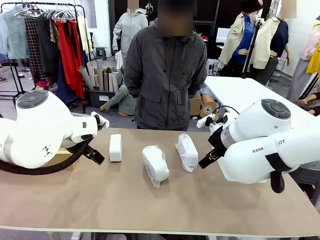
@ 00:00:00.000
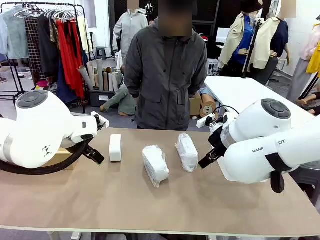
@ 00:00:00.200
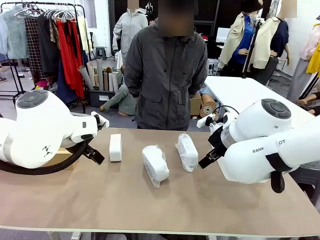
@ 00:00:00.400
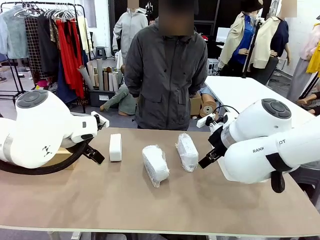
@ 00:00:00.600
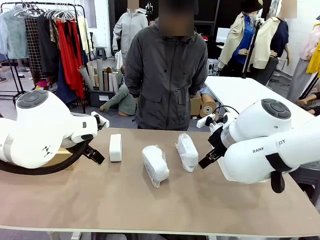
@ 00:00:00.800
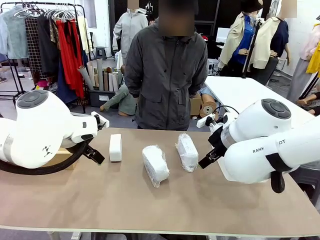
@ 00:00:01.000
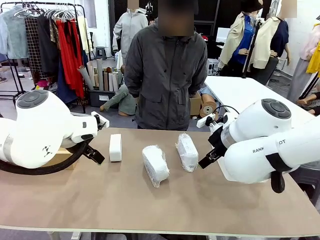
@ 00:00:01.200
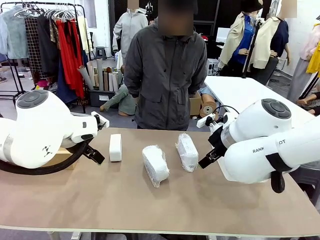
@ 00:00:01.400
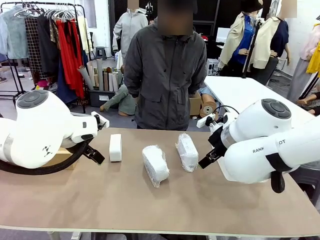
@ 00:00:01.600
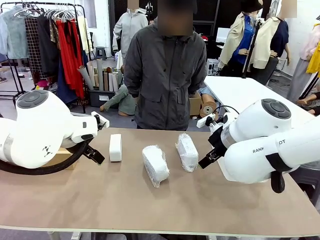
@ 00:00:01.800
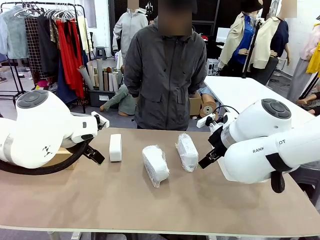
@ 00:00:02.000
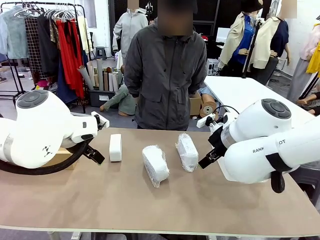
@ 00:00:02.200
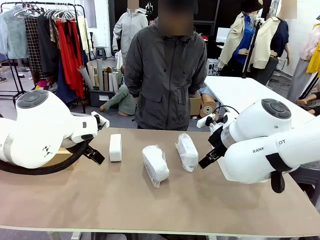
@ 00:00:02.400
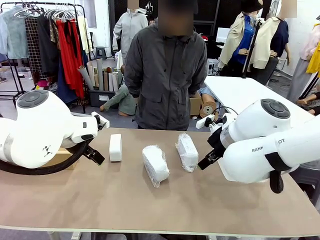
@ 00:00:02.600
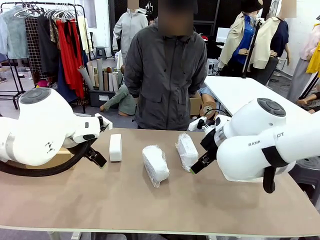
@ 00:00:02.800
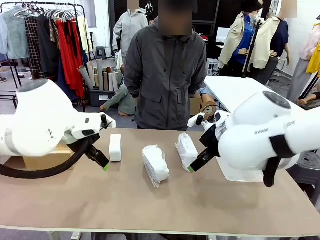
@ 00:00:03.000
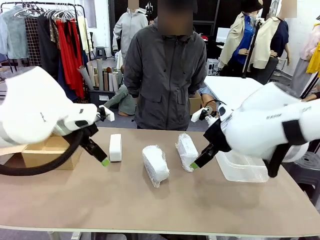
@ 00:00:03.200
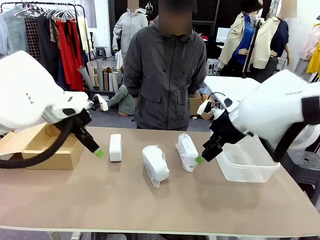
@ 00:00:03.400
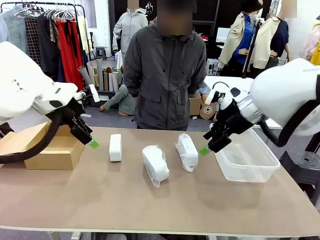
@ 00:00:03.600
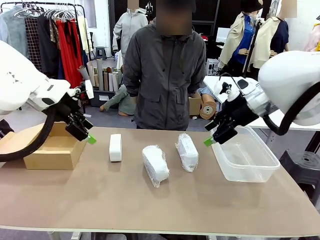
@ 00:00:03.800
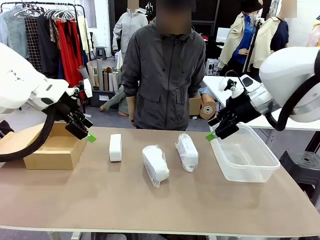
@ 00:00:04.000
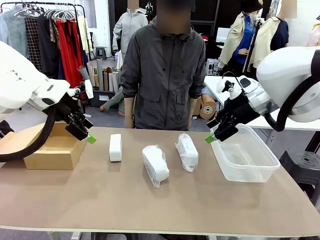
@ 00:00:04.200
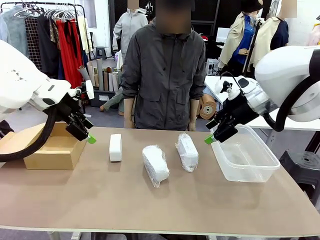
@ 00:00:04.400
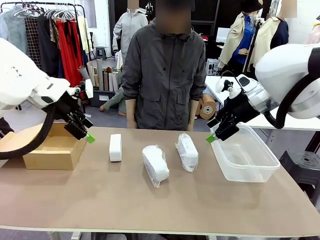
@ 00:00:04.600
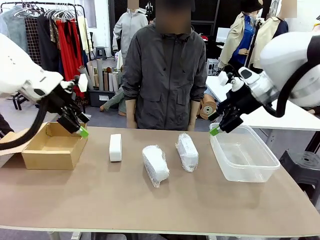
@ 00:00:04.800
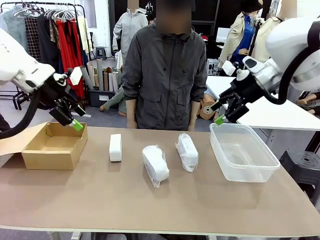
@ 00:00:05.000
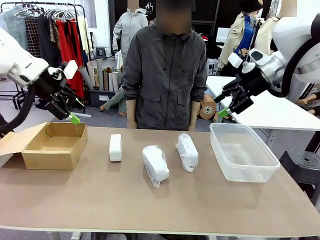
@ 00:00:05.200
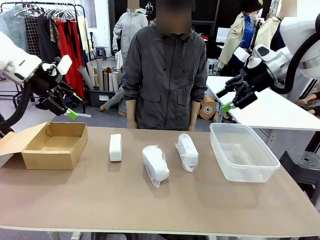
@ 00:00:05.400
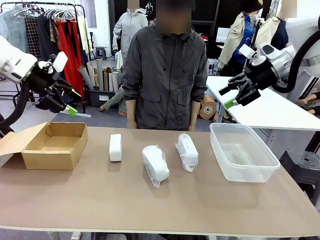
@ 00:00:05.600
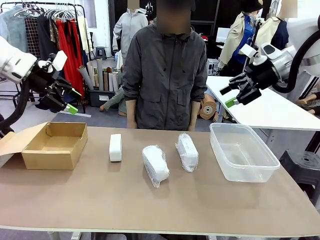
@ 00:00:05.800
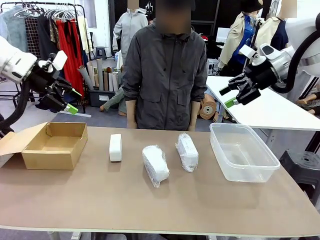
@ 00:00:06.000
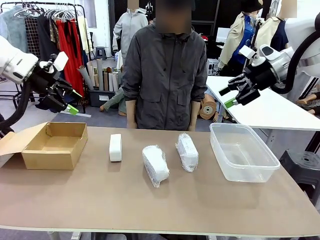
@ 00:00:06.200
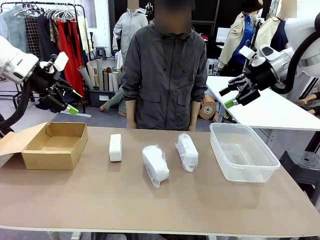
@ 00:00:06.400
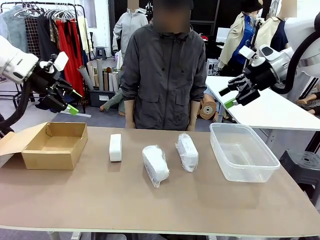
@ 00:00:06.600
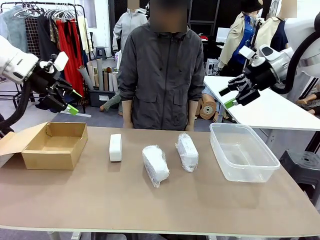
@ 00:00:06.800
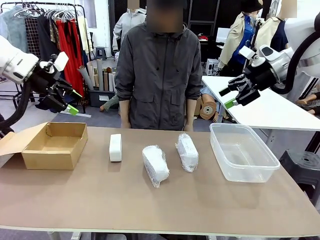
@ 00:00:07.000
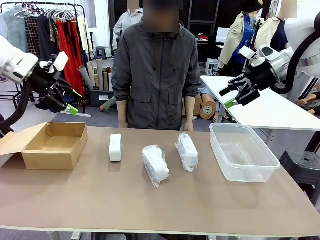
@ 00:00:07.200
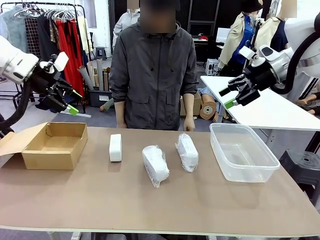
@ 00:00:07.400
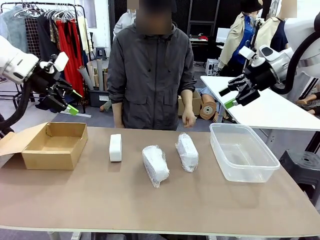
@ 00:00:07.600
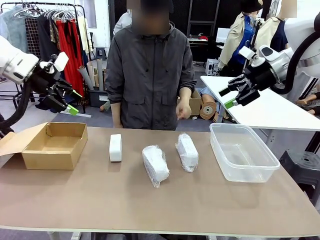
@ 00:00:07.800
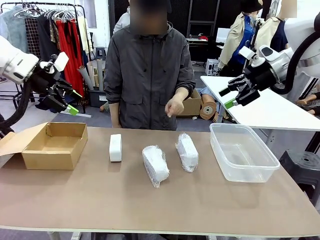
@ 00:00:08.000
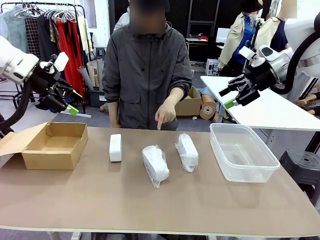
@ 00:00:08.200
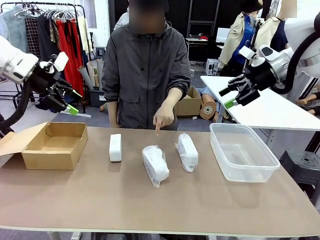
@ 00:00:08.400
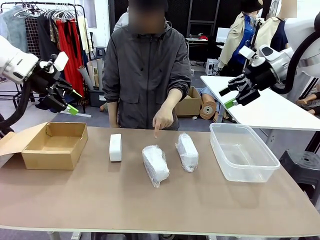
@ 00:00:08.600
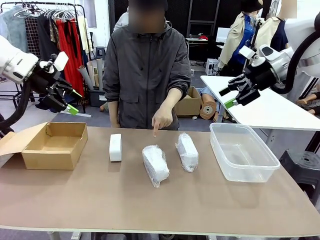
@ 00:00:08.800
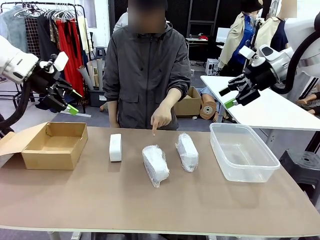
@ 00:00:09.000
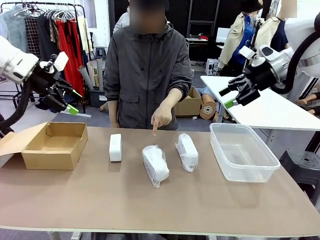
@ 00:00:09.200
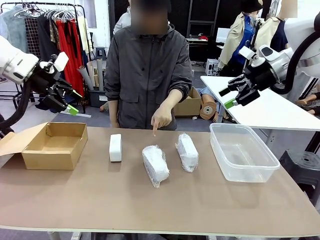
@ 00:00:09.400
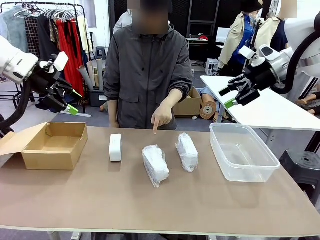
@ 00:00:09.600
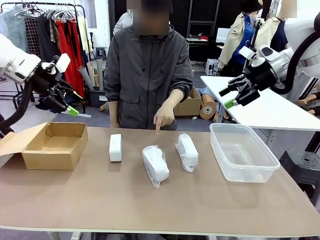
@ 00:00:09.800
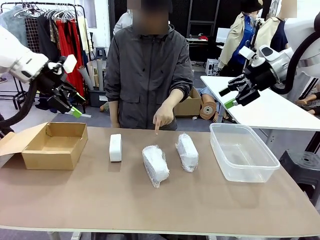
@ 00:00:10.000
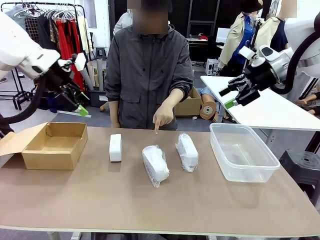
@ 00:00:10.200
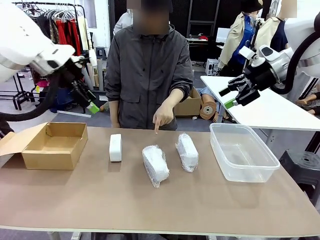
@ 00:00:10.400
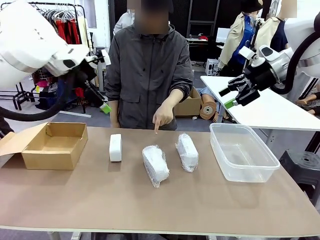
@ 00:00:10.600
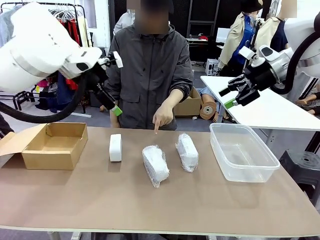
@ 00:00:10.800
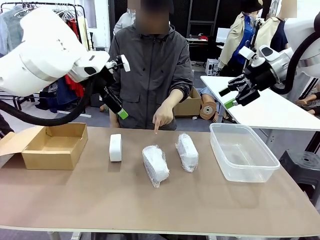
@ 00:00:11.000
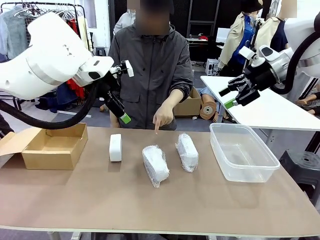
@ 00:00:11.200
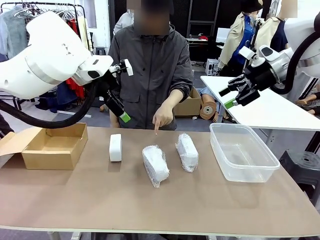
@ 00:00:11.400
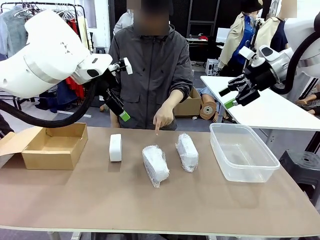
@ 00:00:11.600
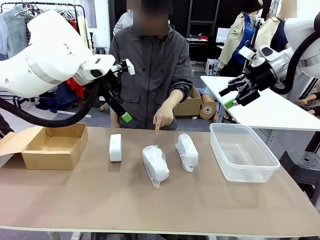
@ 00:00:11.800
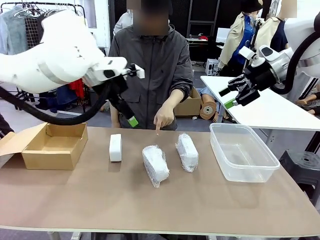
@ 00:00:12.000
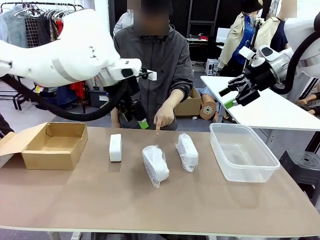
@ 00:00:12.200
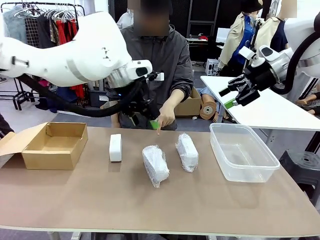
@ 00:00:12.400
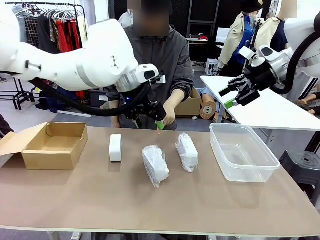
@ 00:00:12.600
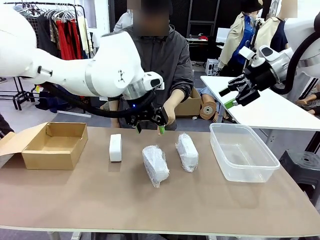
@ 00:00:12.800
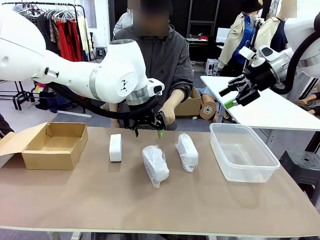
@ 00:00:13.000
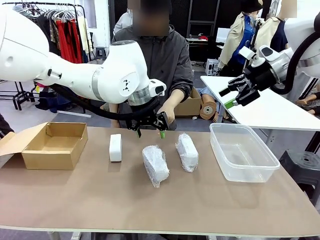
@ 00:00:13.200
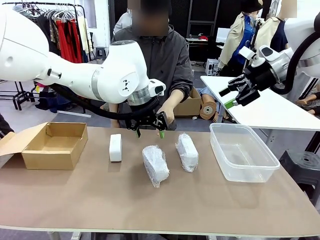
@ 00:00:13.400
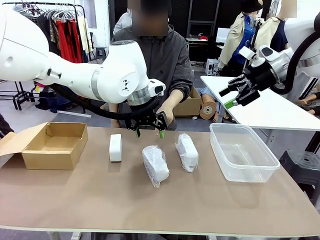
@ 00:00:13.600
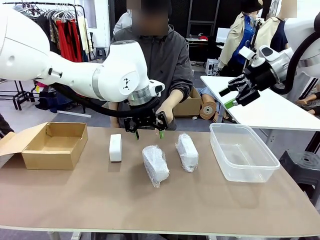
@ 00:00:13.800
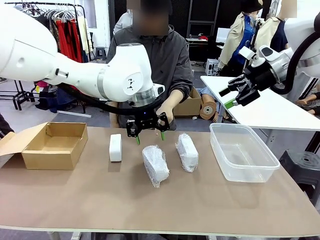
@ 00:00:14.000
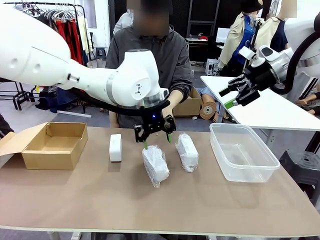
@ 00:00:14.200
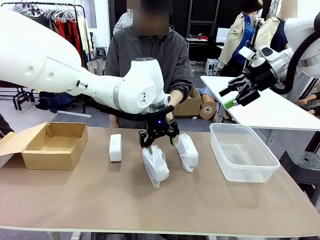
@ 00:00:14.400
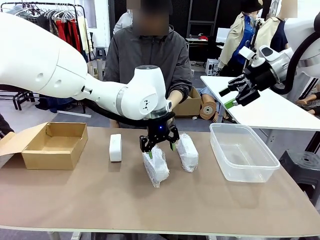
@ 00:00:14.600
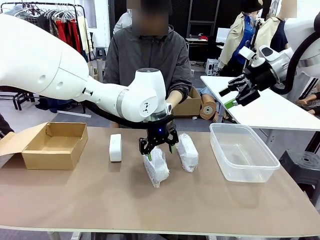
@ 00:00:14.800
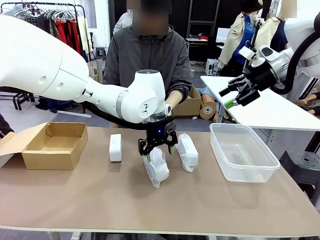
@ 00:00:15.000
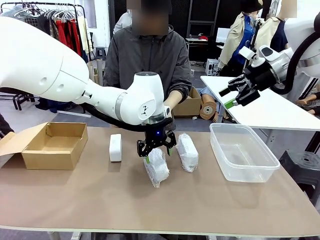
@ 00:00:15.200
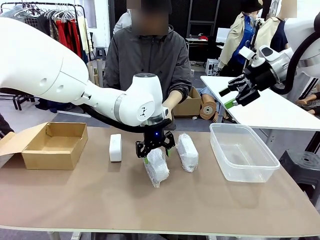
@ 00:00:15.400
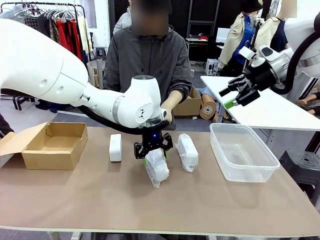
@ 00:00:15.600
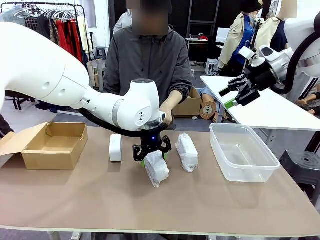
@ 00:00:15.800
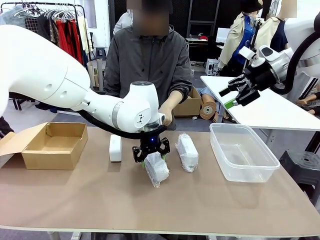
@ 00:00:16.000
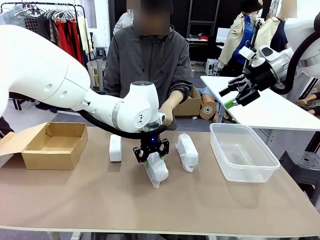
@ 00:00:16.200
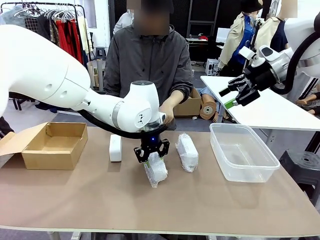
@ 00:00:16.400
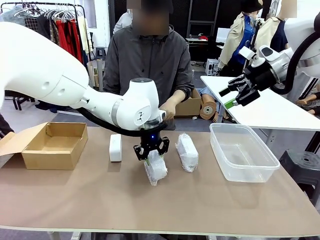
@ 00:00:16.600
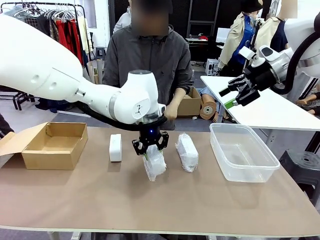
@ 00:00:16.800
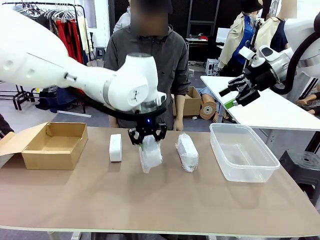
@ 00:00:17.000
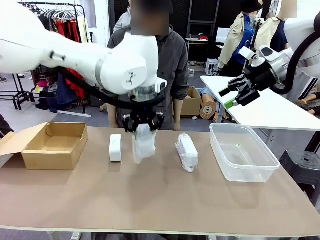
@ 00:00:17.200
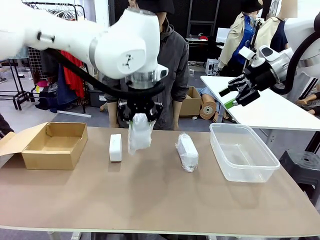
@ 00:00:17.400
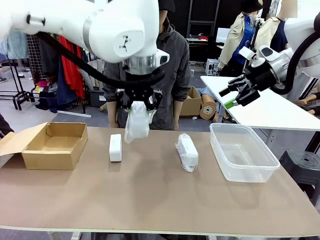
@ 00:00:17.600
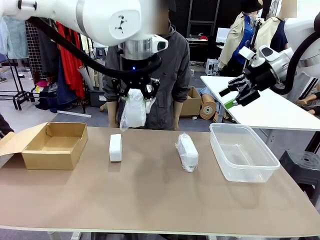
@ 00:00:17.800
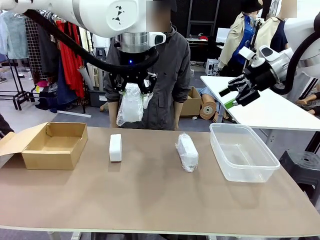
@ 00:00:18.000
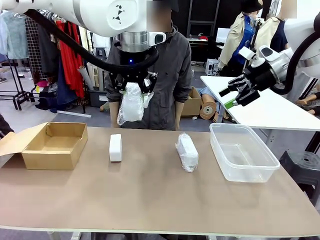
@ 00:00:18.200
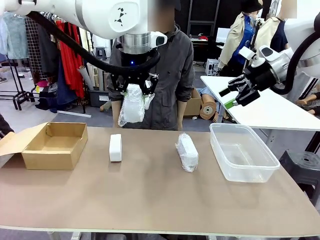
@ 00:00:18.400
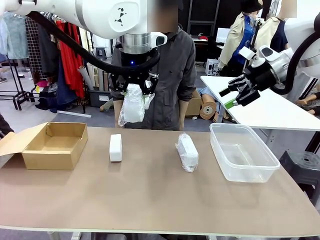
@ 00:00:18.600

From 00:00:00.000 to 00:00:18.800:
Task: Separate and place wrapped and unwrapped clocks.
Robot: Pick up the Digital clock indicated by the person.
